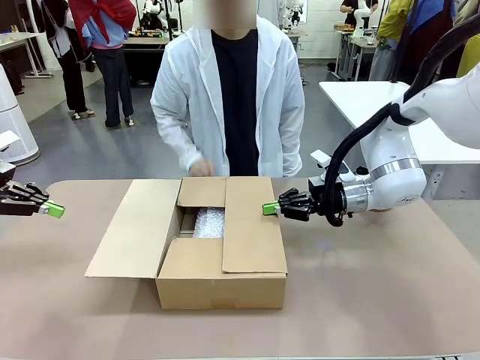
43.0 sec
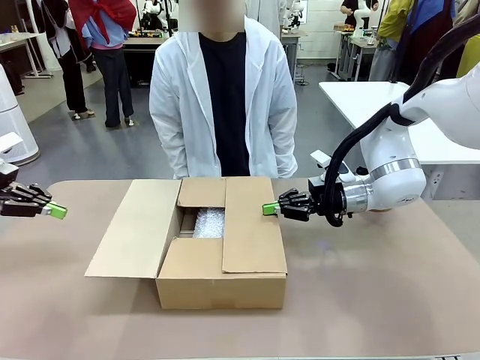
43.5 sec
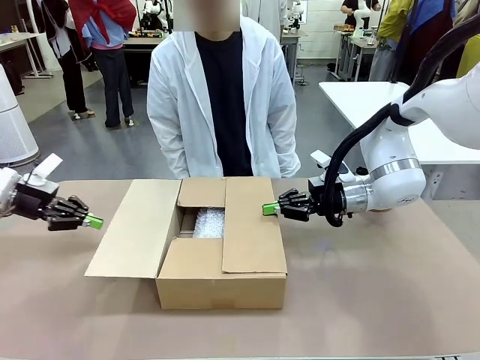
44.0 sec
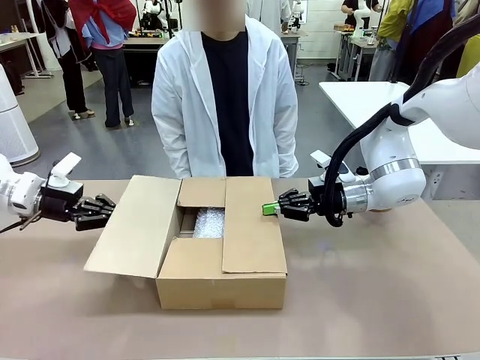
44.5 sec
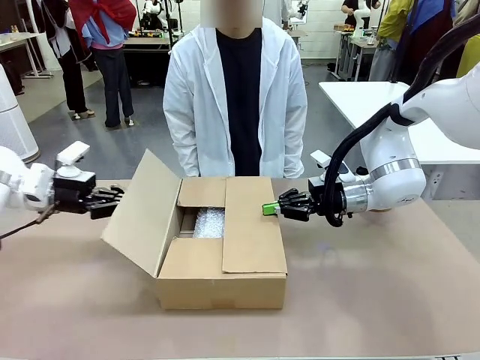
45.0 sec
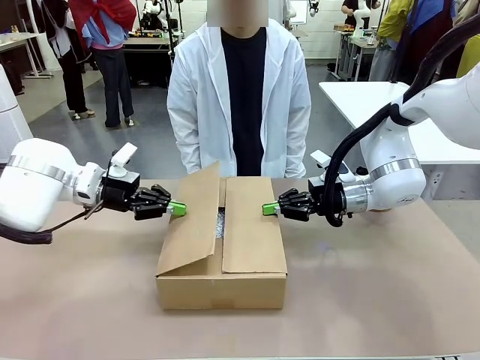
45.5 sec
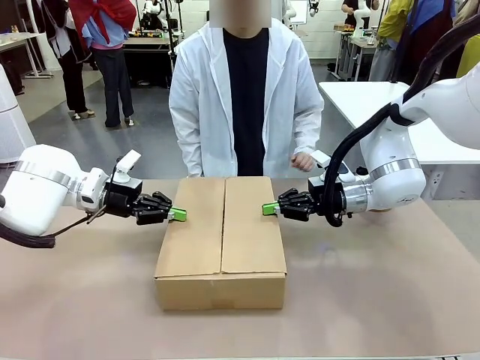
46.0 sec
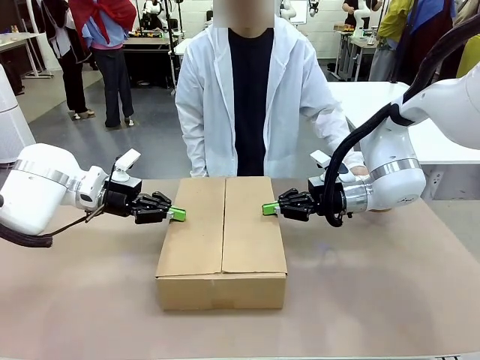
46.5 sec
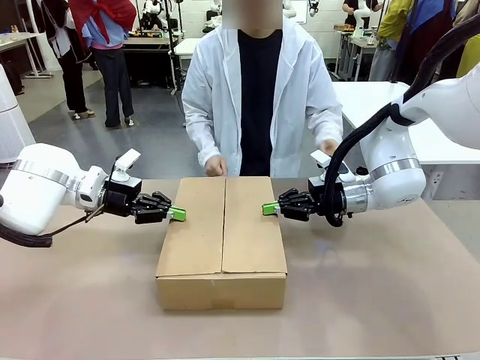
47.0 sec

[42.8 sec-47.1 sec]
Task: Wrap the clocks to prevent damage.
Robot: Push the left (or right) flap of the Package Box to close it.

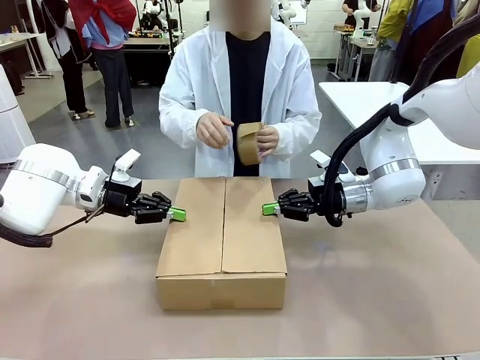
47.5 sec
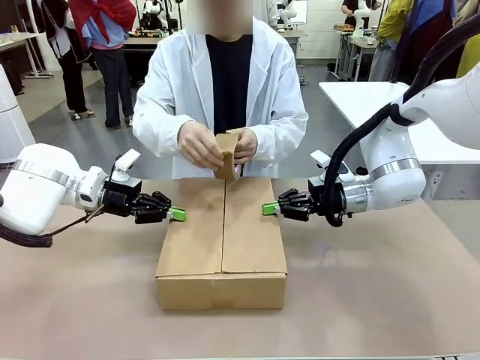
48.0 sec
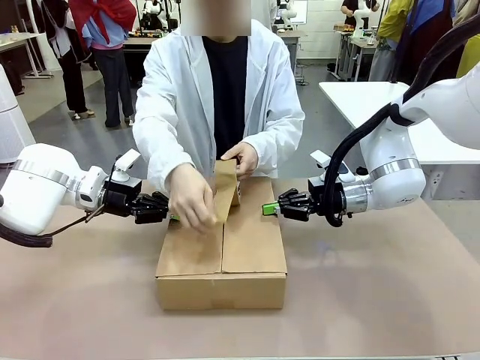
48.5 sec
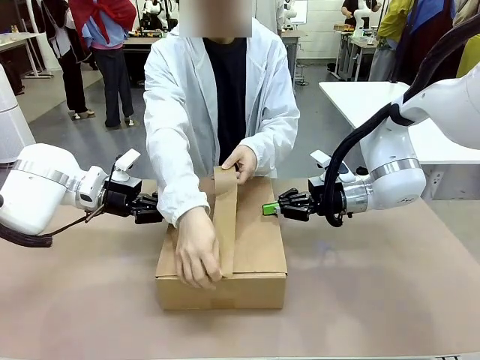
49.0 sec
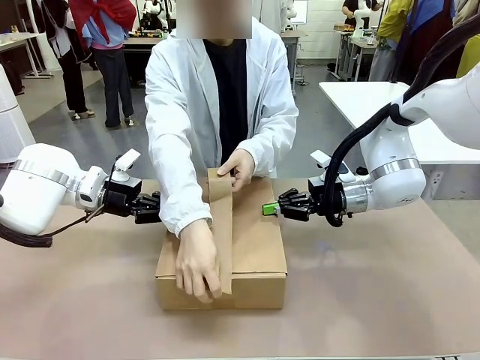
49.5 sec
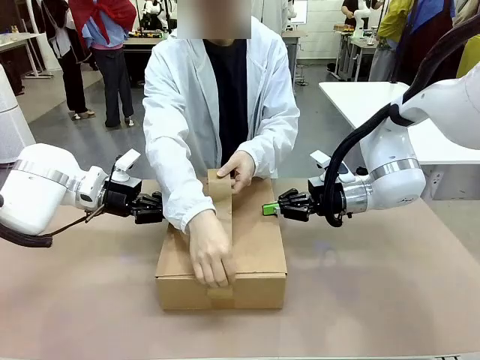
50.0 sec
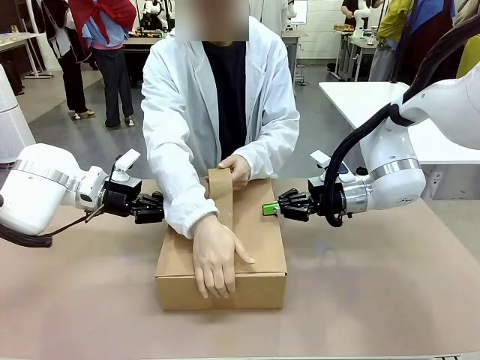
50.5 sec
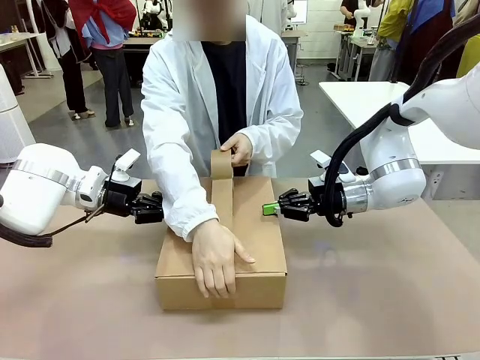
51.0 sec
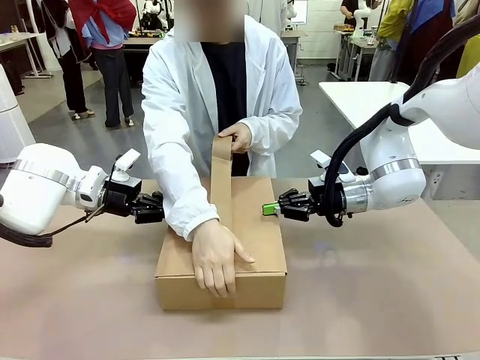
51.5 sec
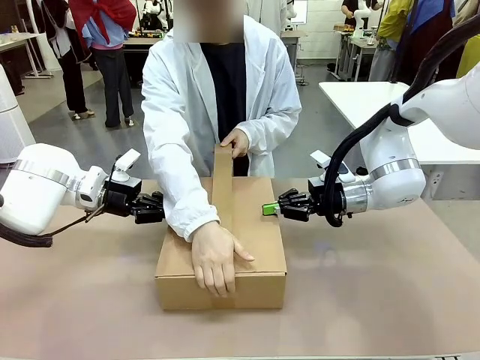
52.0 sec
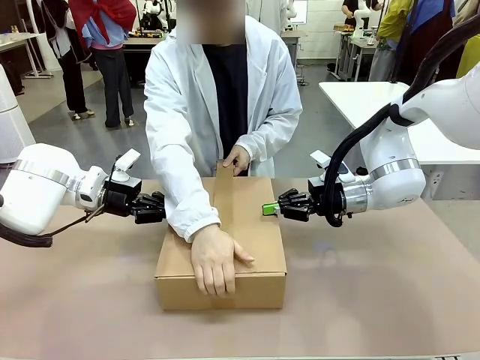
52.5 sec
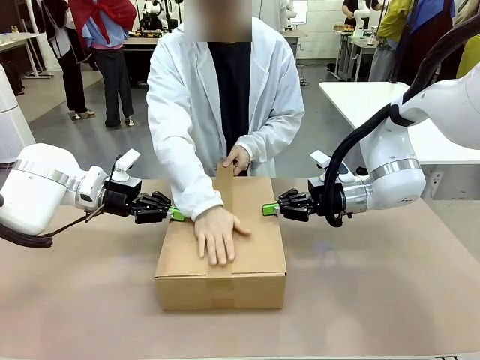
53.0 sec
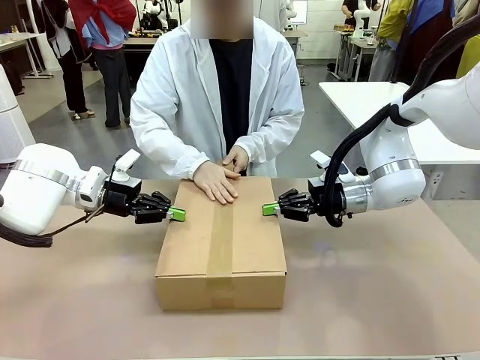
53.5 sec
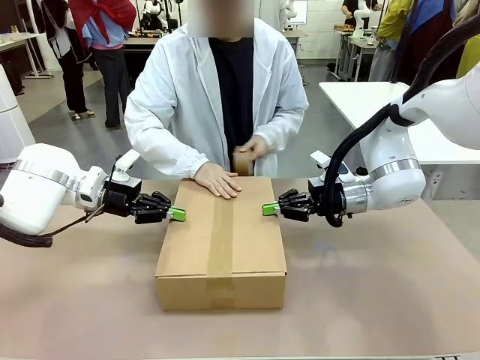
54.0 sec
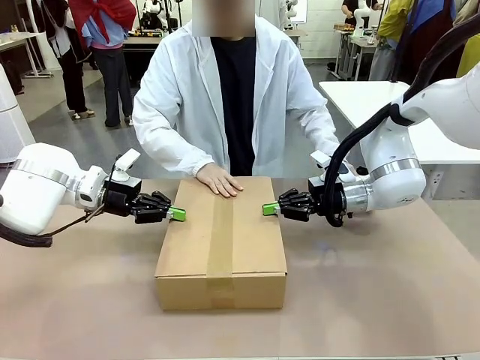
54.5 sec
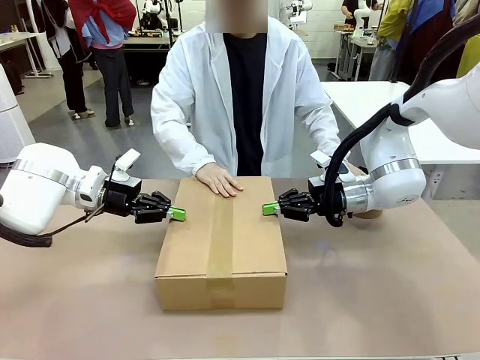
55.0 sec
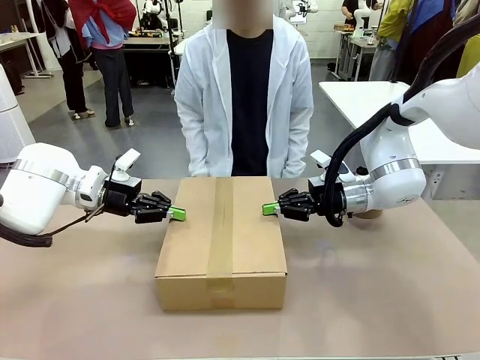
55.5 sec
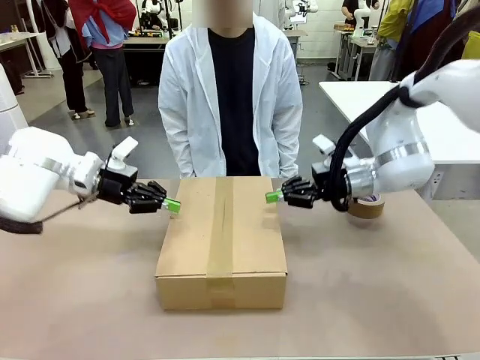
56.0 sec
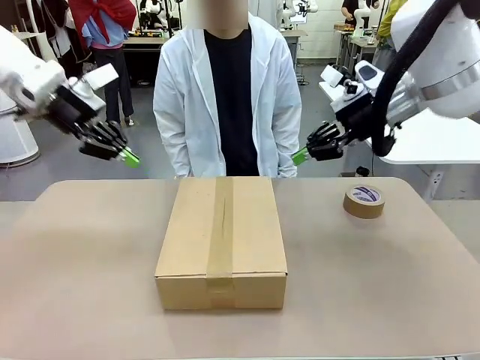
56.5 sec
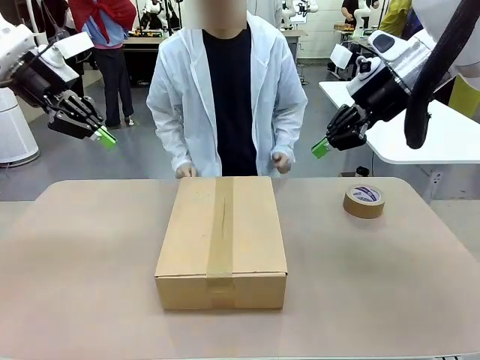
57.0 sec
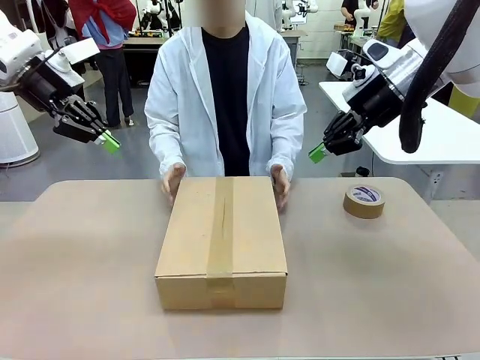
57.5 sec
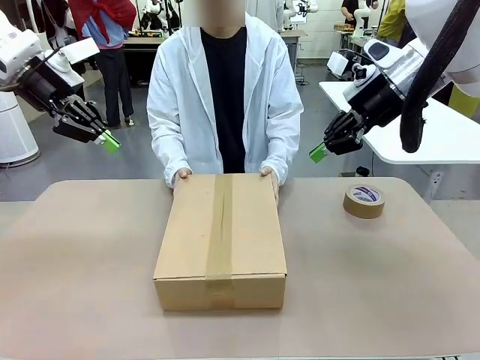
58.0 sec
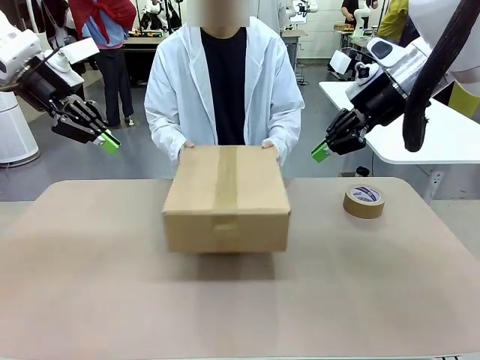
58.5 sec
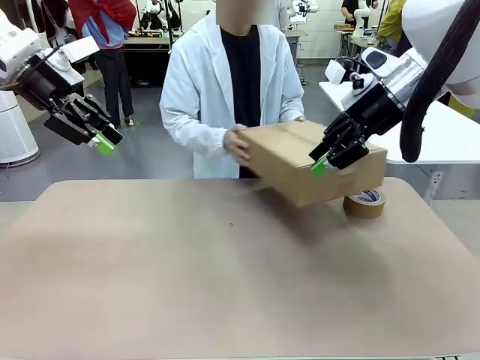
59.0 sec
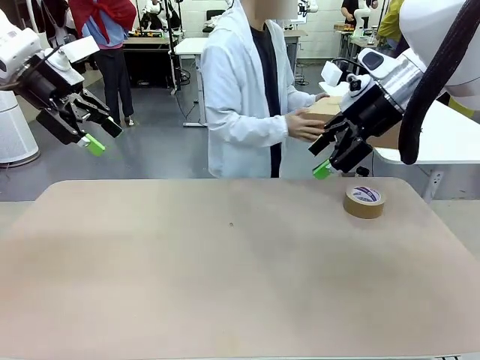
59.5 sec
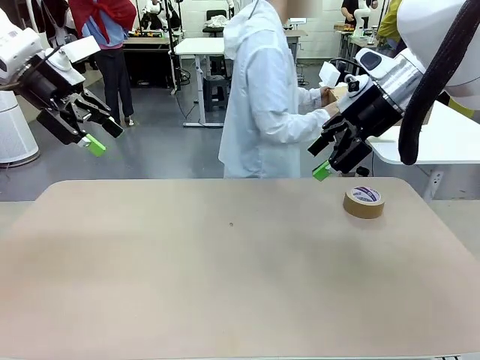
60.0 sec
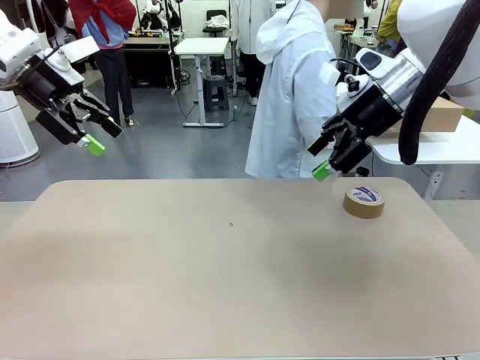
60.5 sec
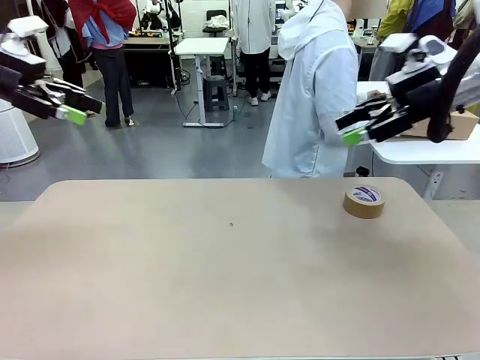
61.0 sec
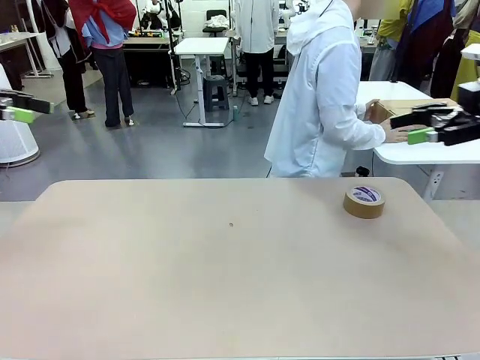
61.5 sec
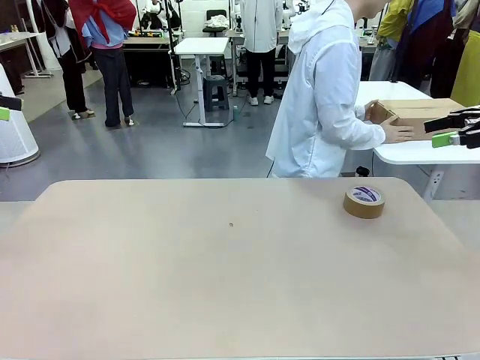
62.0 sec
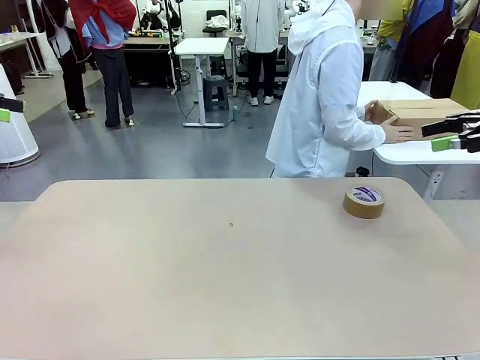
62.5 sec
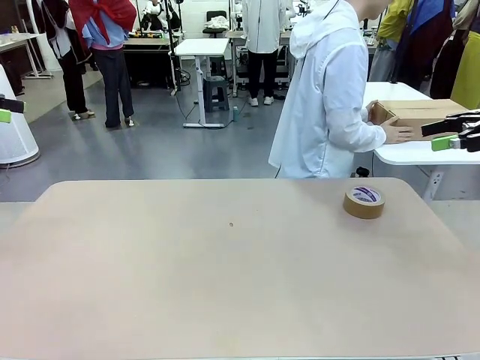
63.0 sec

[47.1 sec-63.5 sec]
Robot: After the human seals the box with tape, release both hands from the side flaps of the Package Box.
Person: Once the robot closes the left flap of the Package Box , seal the box with Paper Tape. Place sealed Package Box in the middle of the human's table.

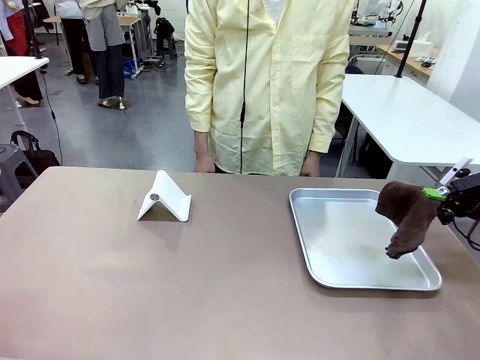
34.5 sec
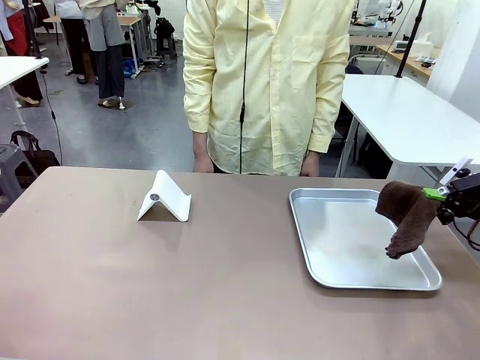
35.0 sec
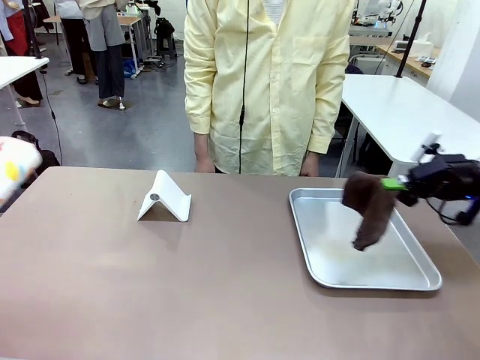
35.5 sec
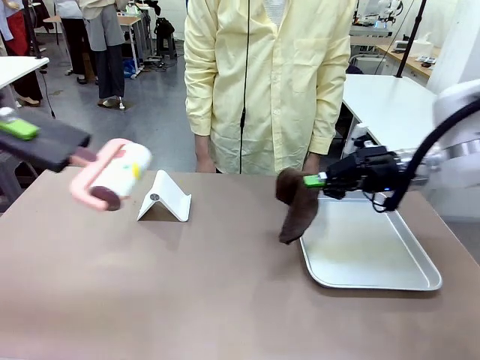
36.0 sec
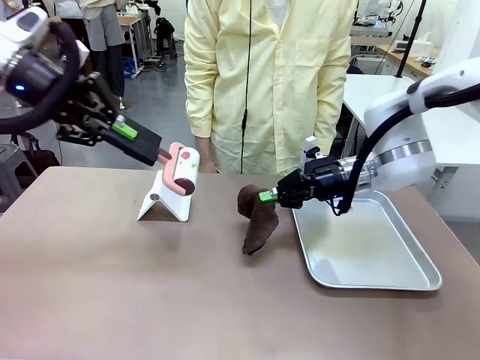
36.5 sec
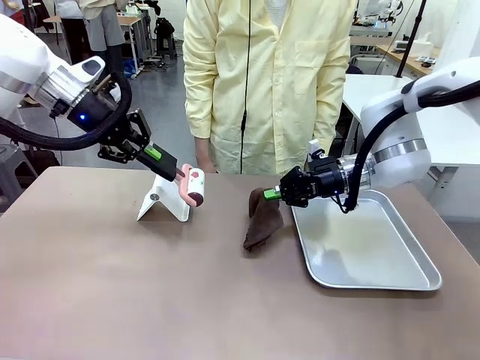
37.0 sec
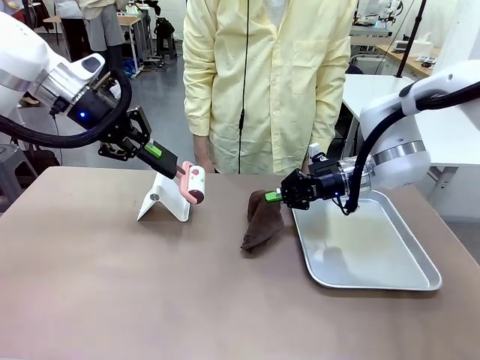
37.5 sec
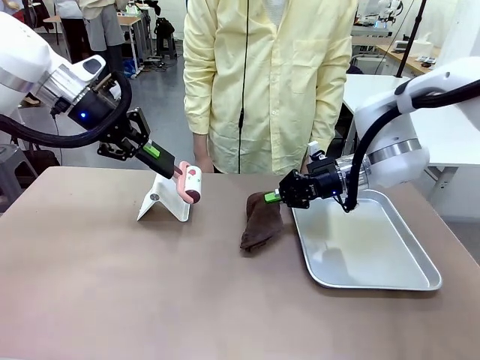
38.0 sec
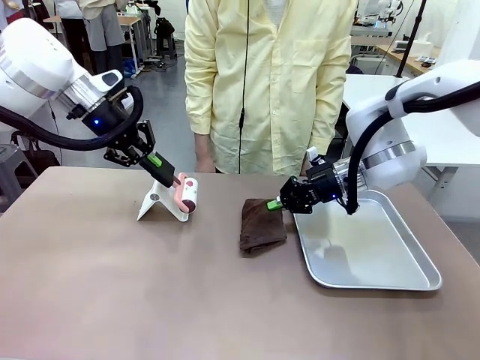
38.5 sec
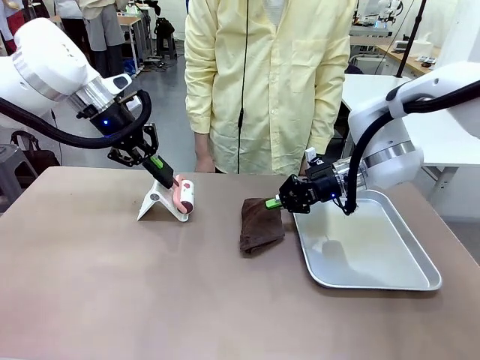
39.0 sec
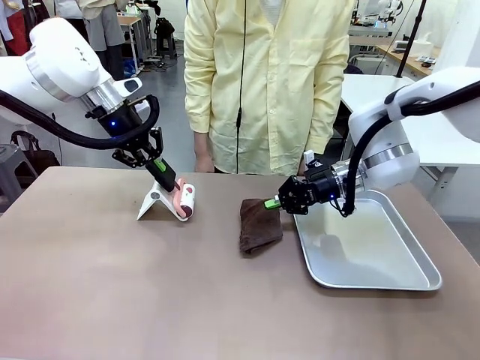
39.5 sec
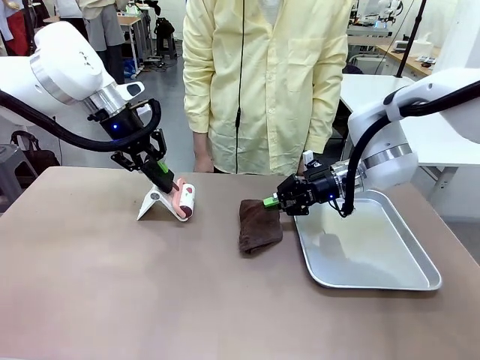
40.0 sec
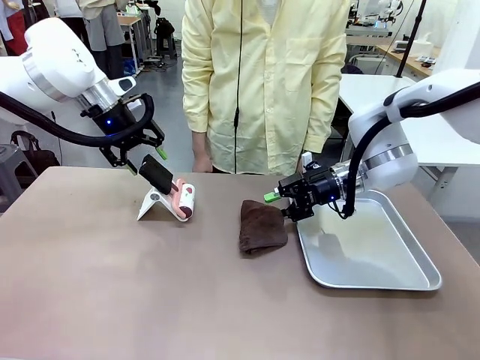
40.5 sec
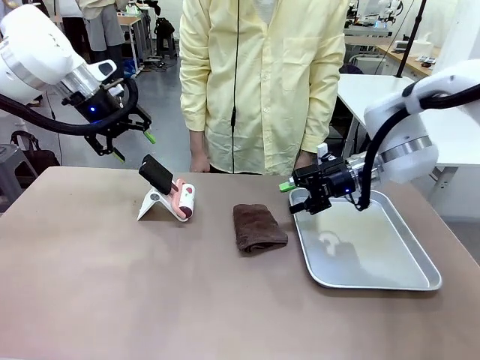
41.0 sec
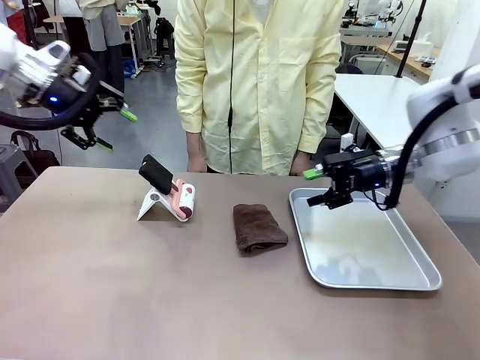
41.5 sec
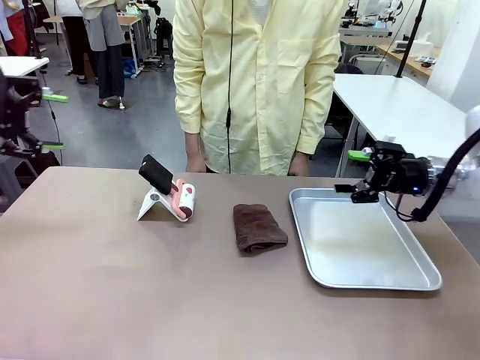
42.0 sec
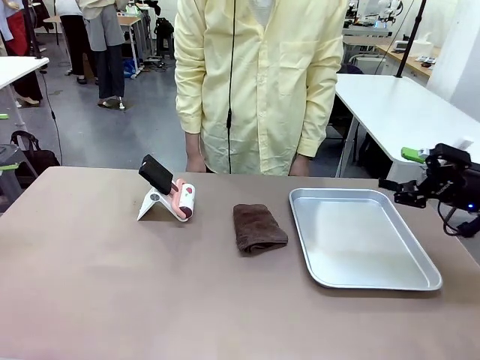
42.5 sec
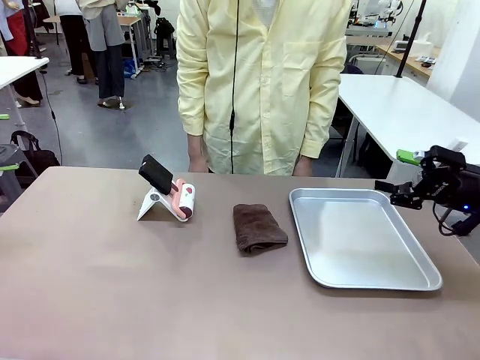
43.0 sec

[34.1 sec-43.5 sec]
Task: Clean the surface of the table.
Robot: Return the Lint Roller and towel to their original positions.
